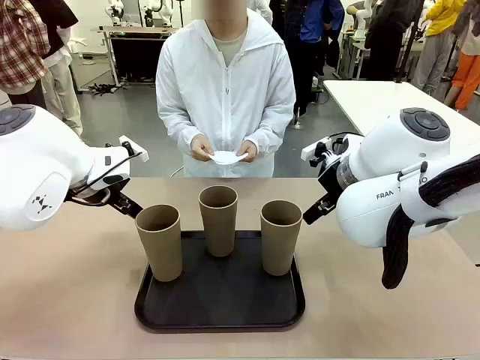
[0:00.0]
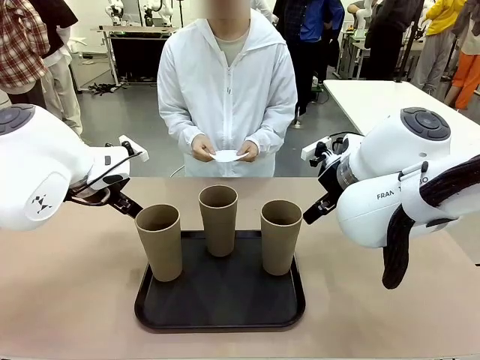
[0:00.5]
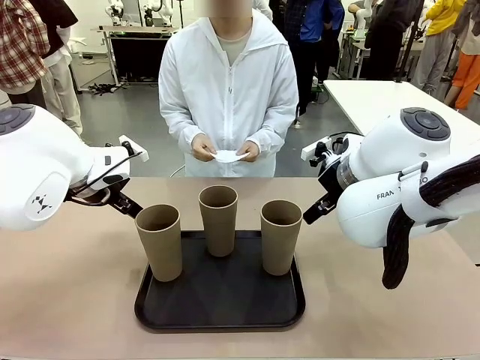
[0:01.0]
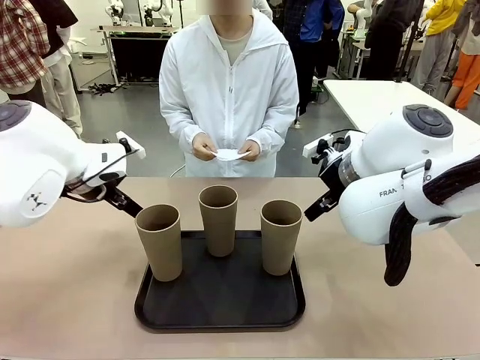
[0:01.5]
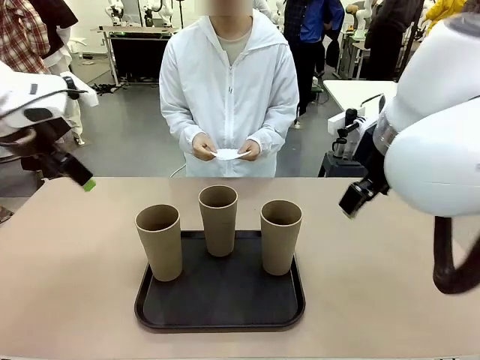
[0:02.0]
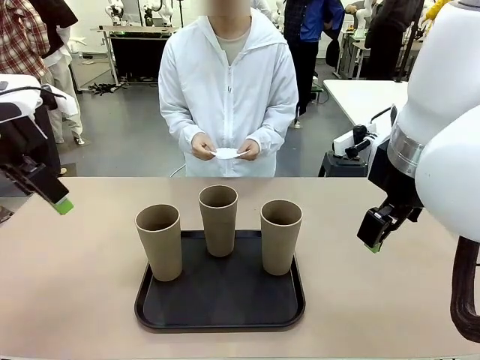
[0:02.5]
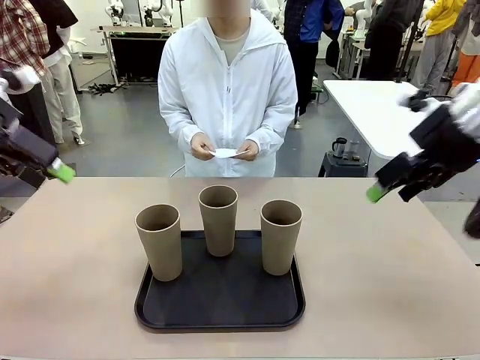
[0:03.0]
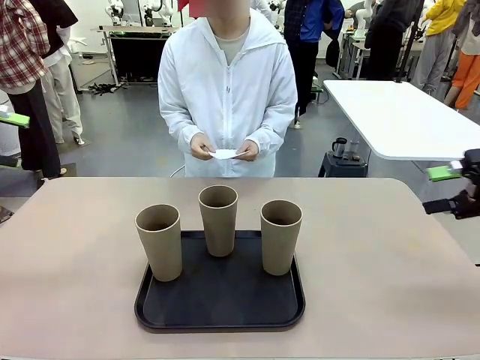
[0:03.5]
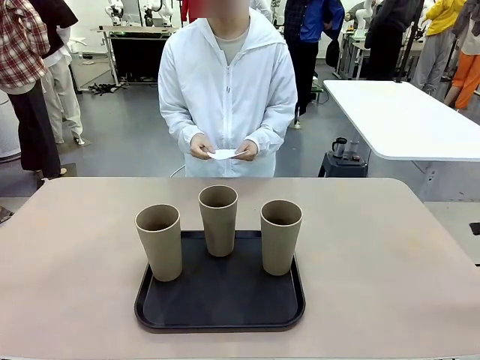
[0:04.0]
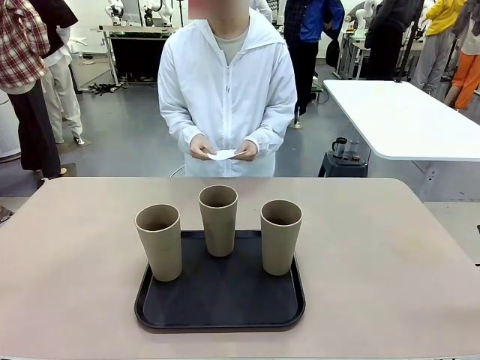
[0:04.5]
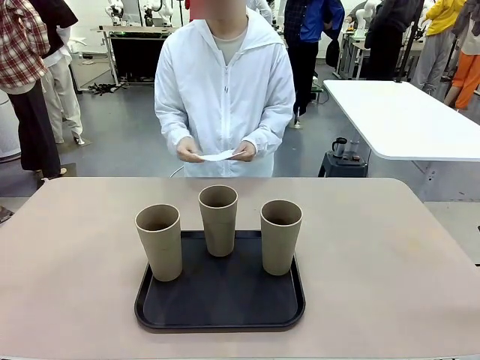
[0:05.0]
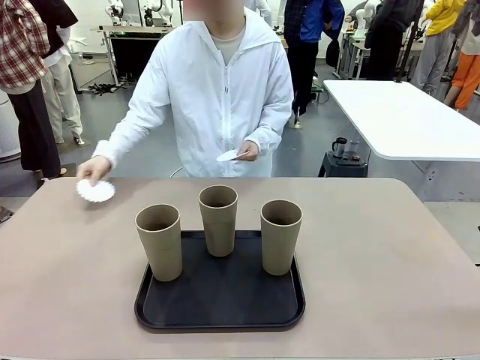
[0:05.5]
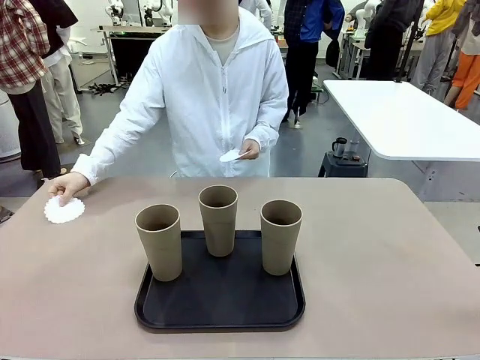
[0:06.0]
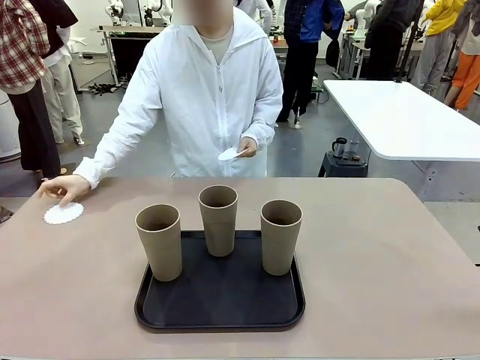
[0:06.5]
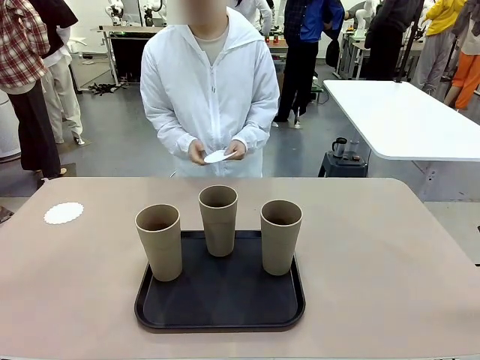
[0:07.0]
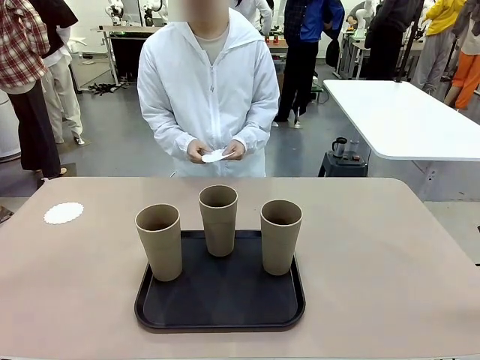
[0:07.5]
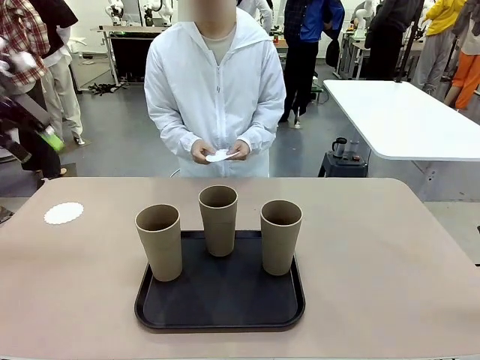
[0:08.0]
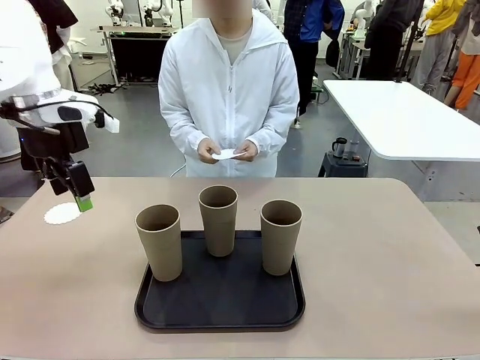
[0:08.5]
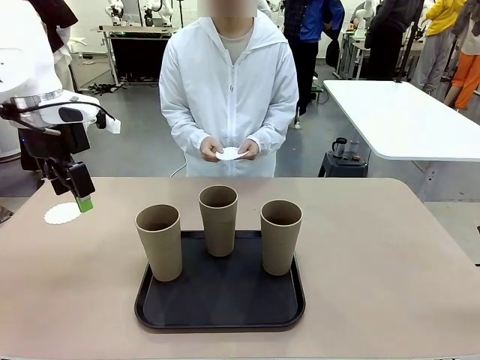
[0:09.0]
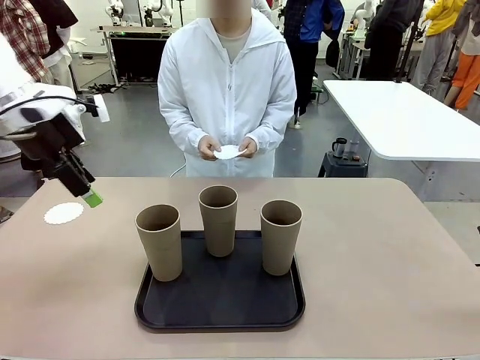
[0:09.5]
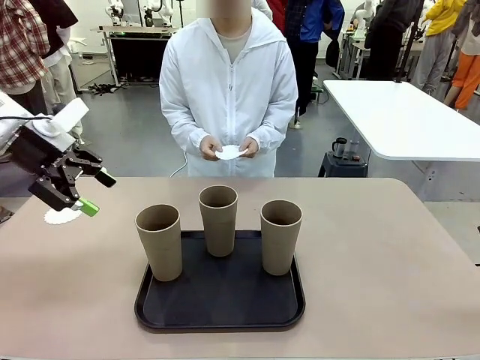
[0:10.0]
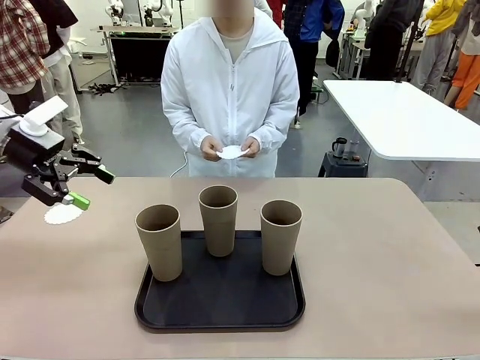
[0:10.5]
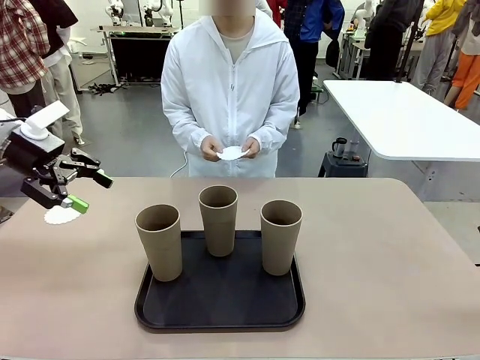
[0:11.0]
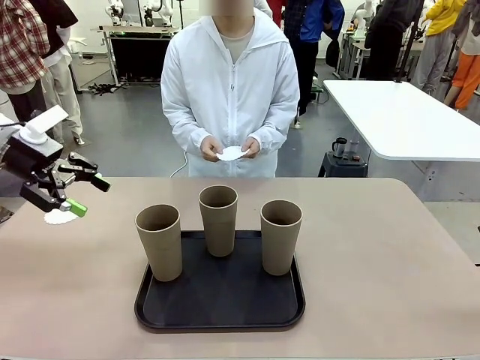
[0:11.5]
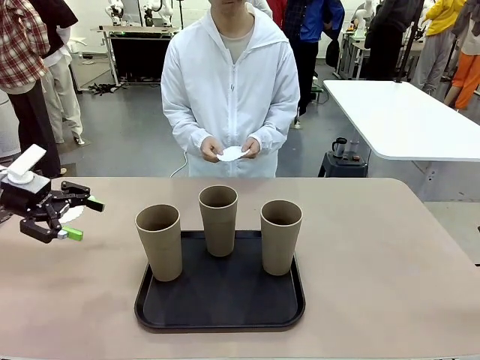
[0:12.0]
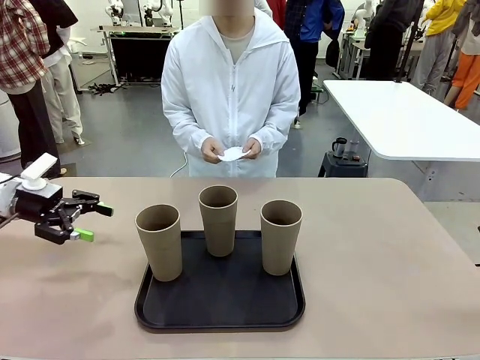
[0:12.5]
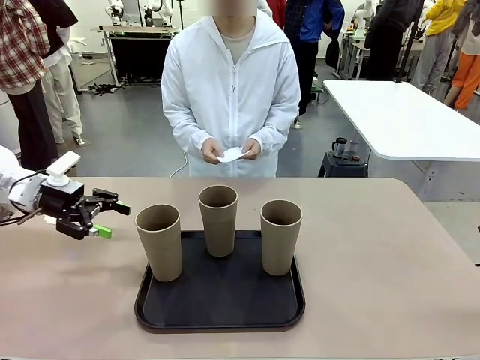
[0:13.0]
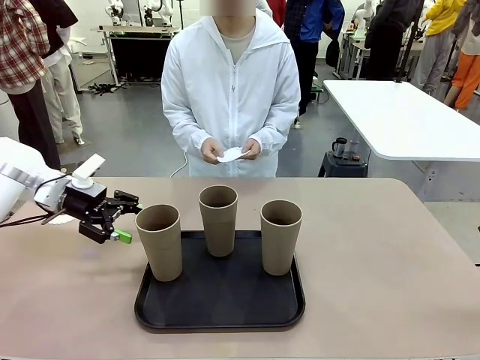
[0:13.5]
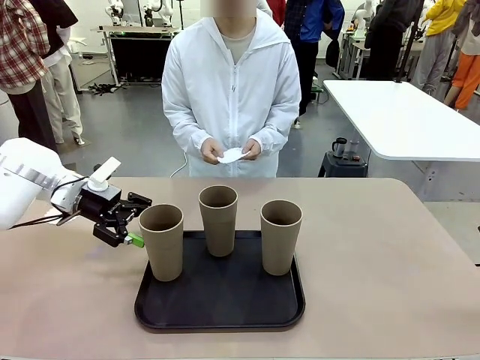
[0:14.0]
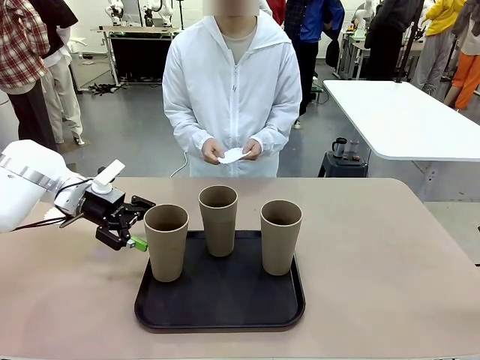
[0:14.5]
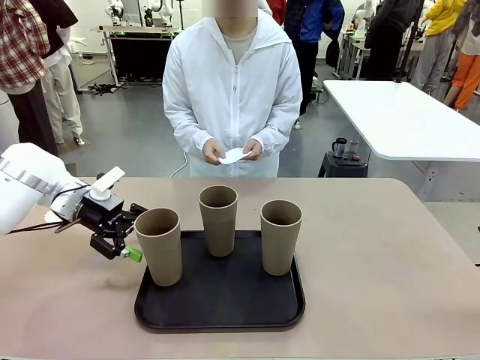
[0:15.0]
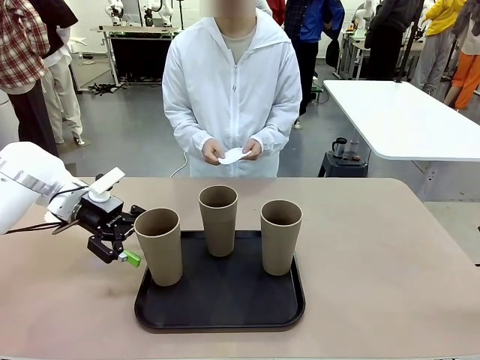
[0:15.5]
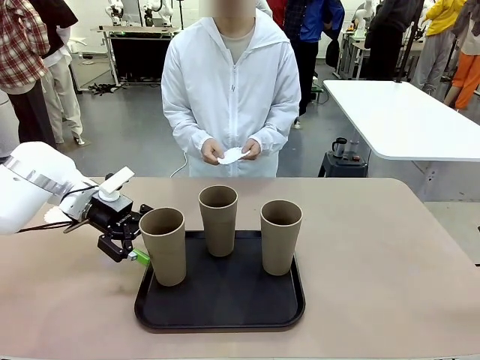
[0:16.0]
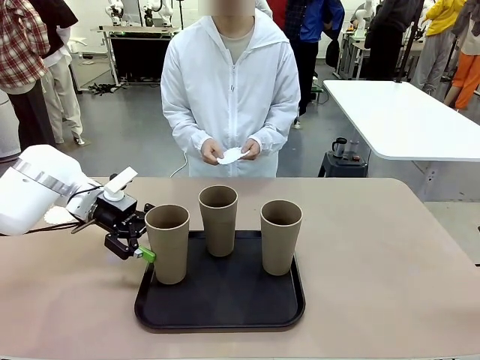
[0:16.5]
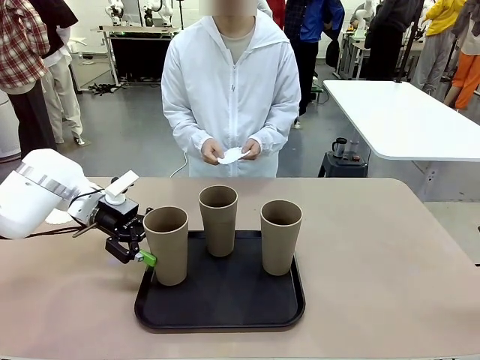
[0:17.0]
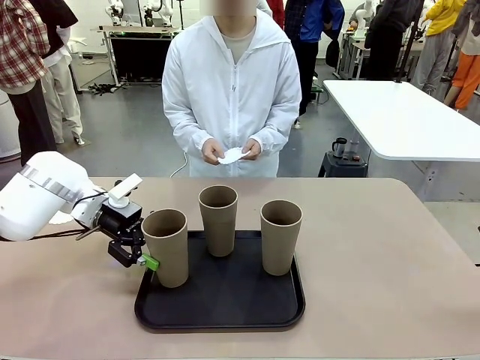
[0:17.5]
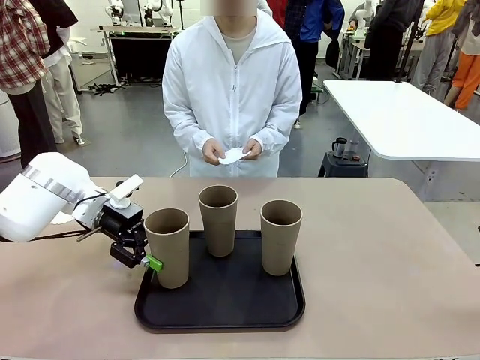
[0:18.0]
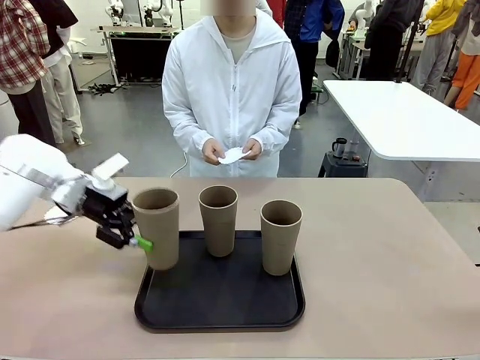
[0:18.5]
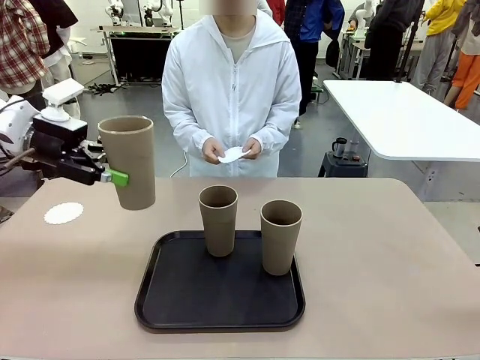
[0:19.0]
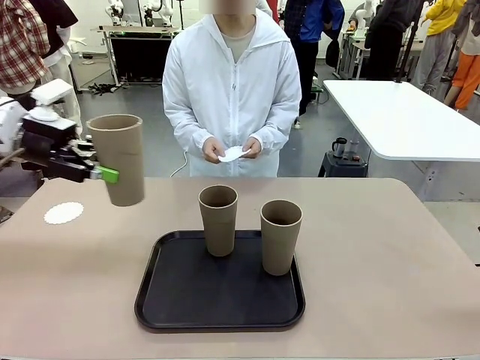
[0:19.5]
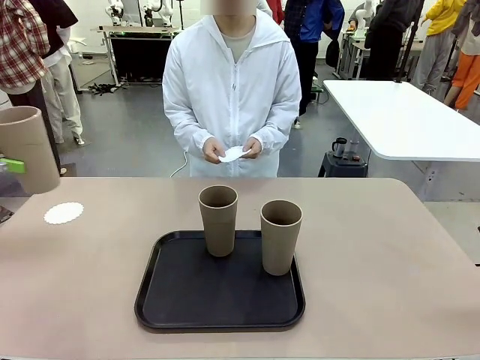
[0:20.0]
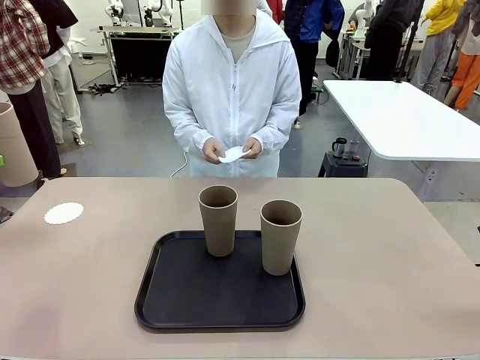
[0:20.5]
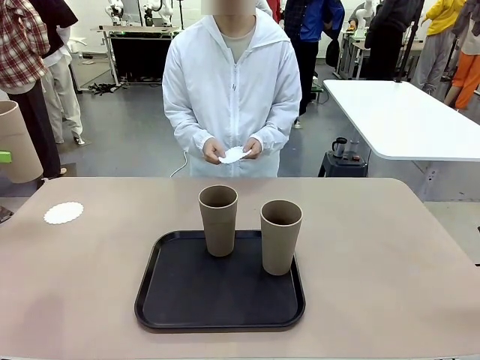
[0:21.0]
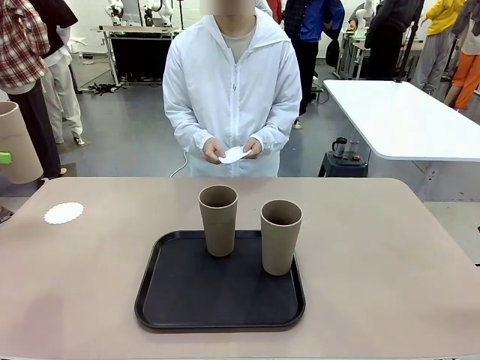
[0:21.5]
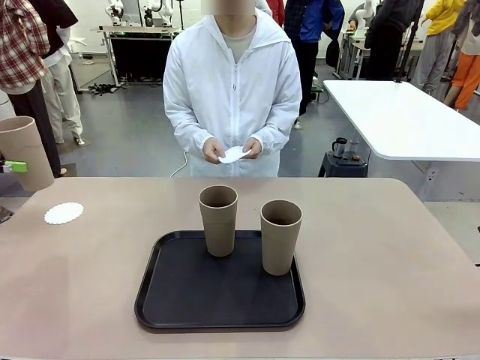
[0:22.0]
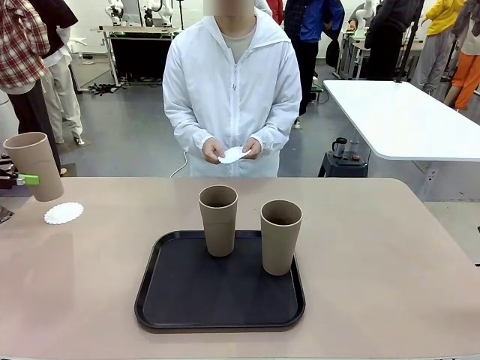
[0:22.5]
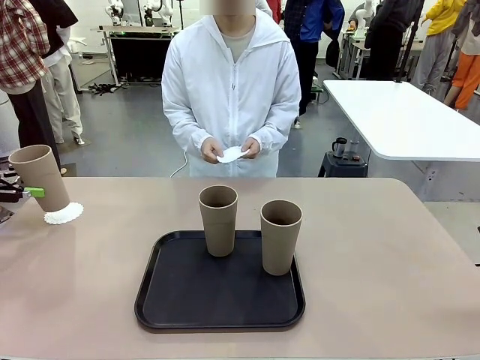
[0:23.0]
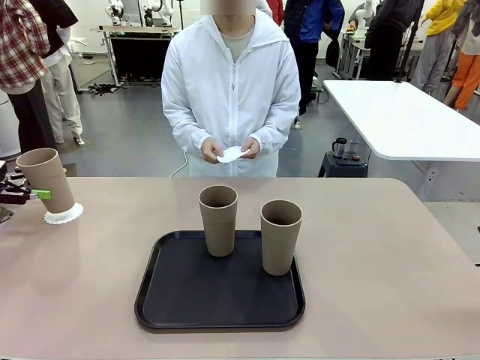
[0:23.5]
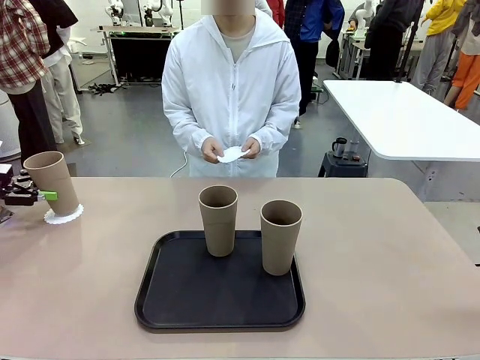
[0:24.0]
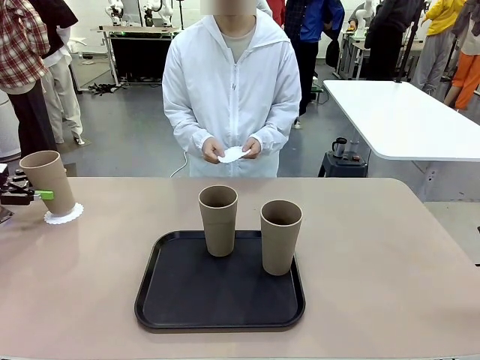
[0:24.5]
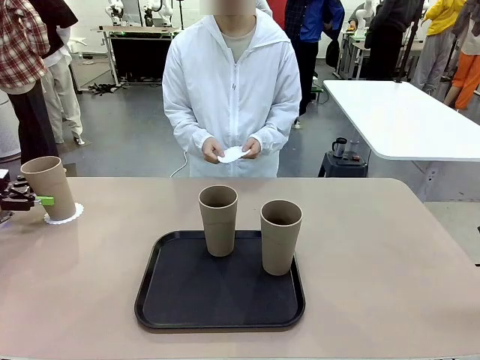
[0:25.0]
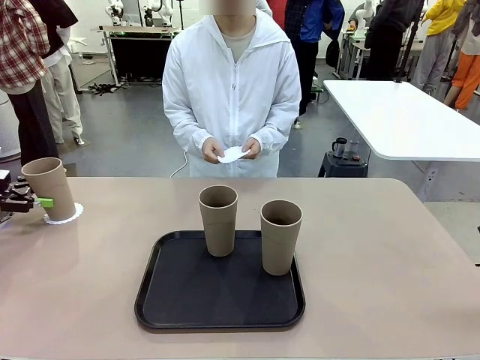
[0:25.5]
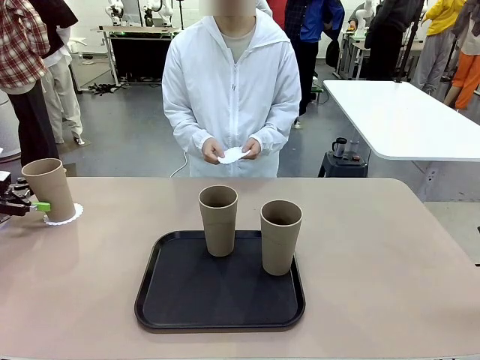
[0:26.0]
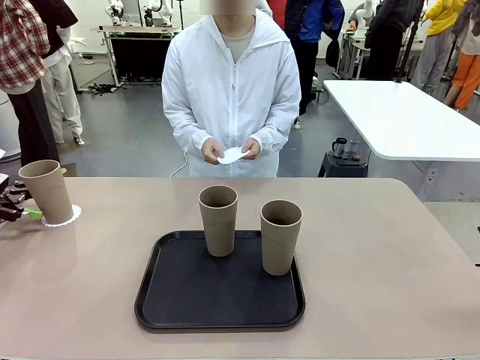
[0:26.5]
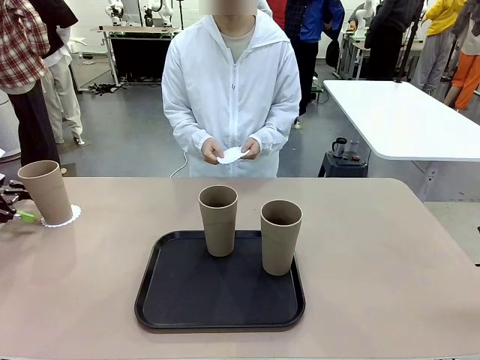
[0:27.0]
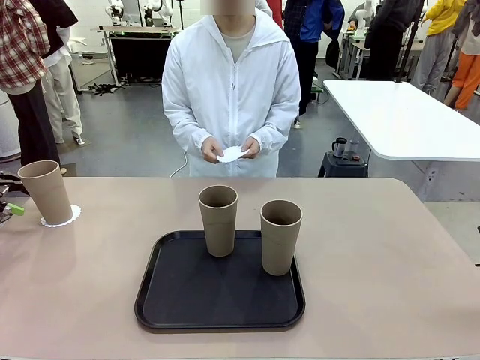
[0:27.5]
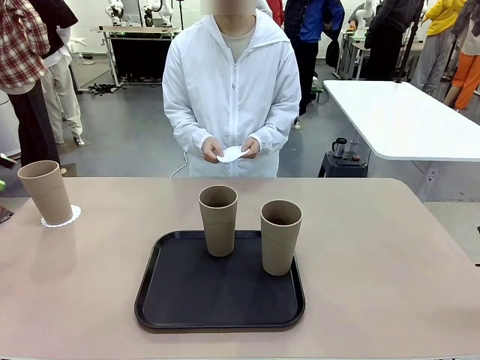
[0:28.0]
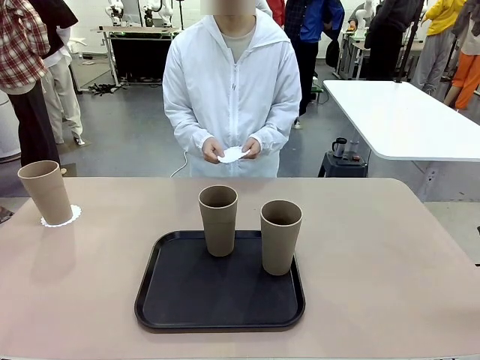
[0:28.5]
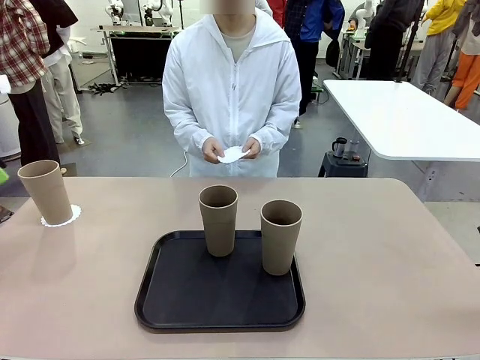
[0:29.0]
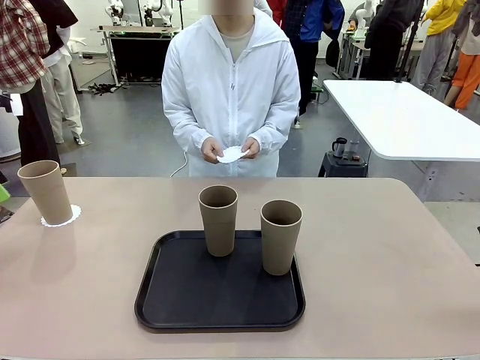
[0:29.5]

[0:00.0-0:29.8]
Task: Place coasters on the table and set cups on them.
Robot: Pick up one Reusable plastic cup and place it on a coaster set by the human.
Person: Place one coaster in any one of the three lower areas of the robot table (left, center, or right). Place one coaster in one of the two areas excluding the previously selected area.
